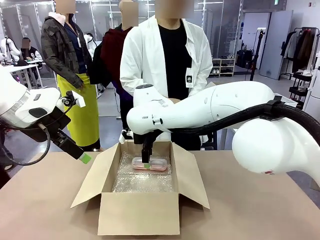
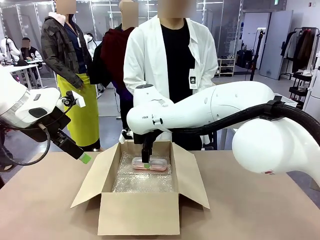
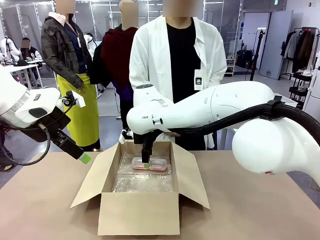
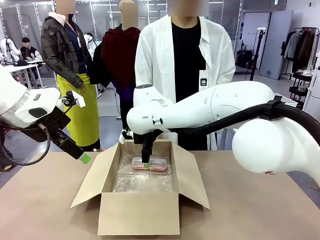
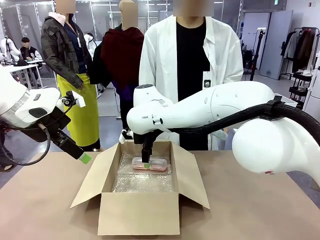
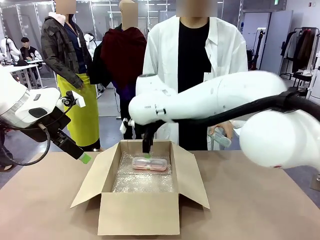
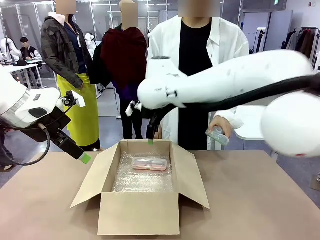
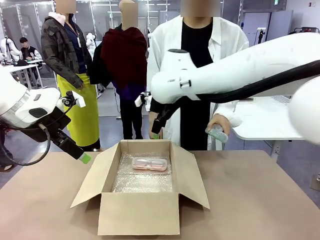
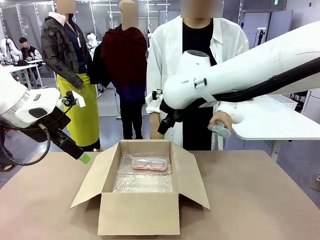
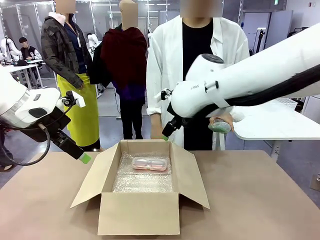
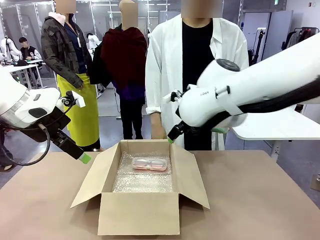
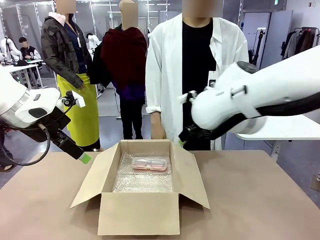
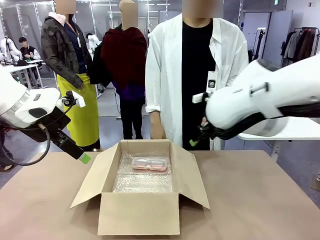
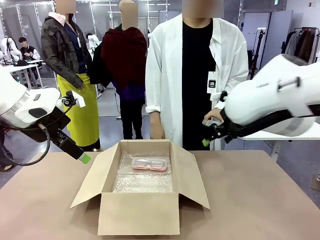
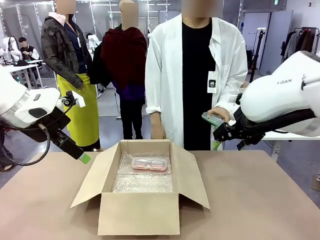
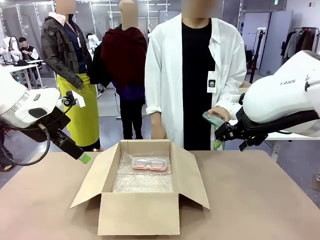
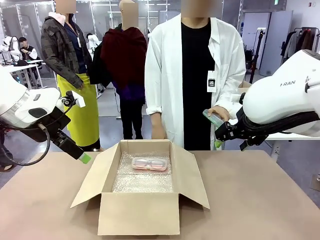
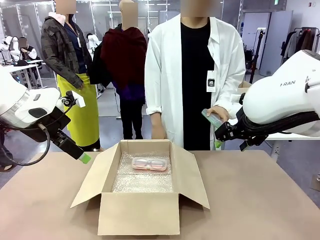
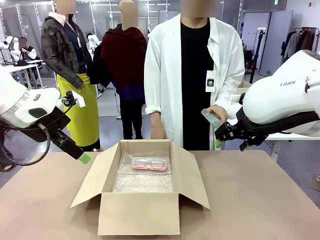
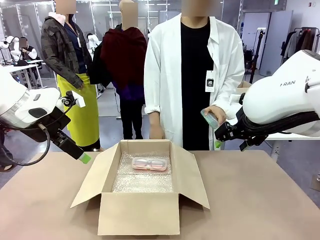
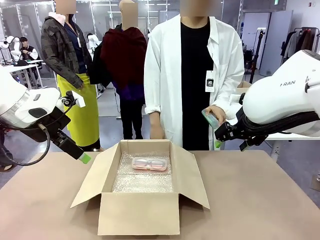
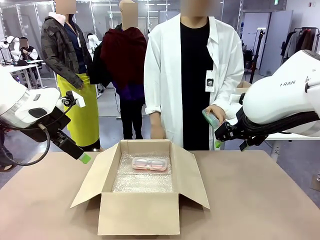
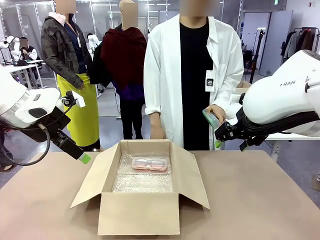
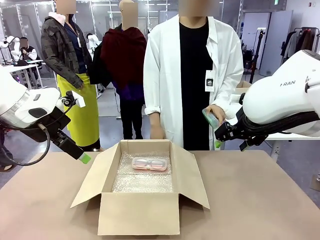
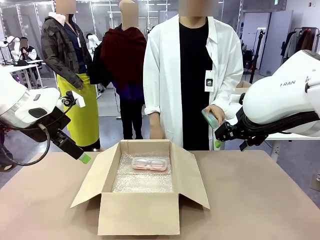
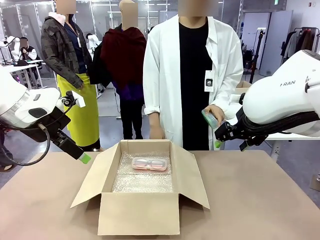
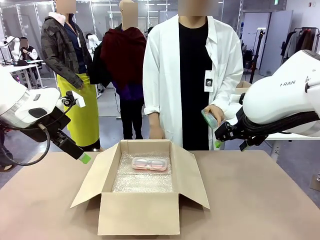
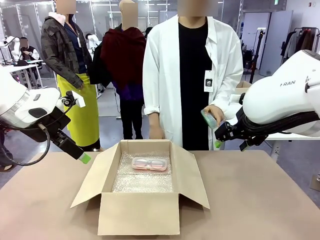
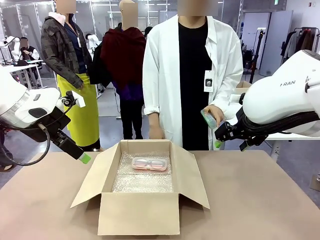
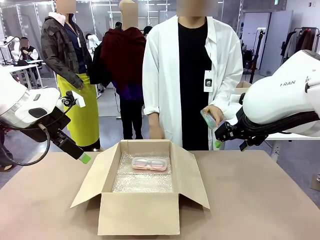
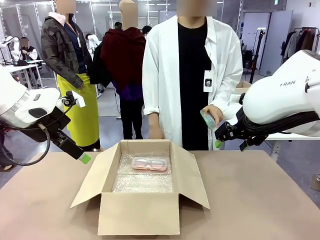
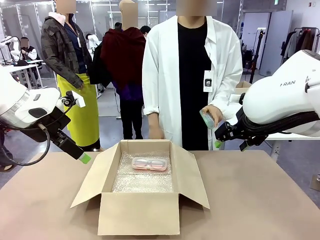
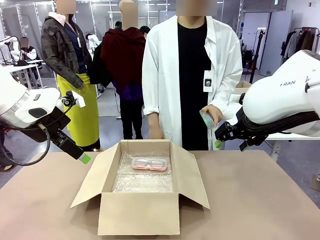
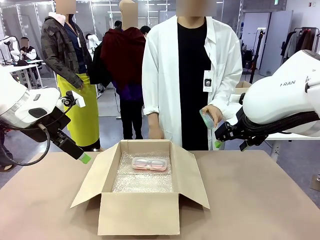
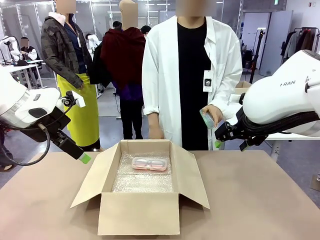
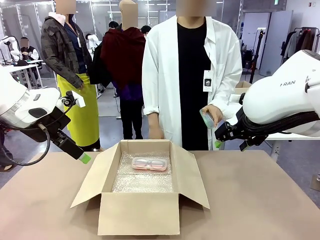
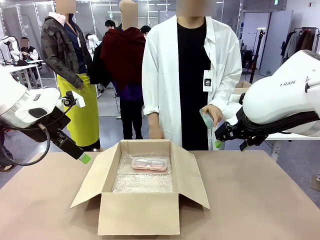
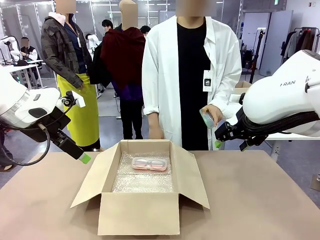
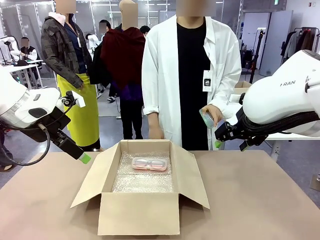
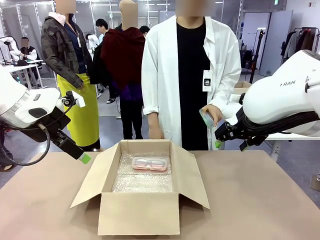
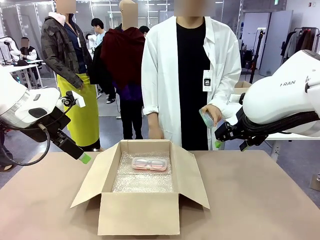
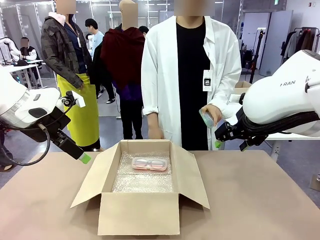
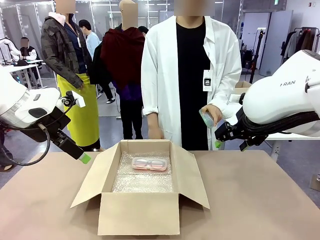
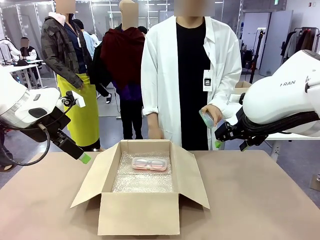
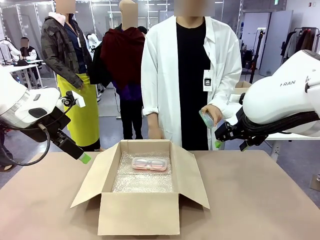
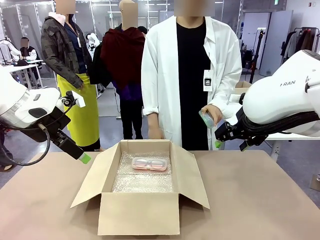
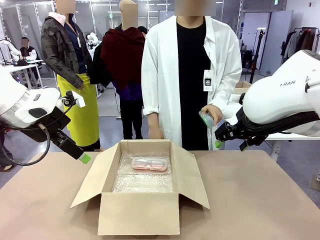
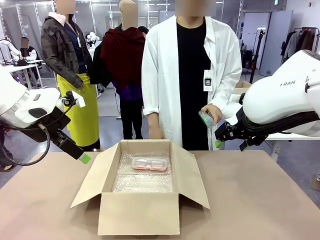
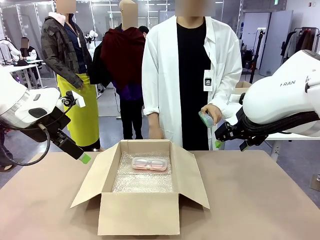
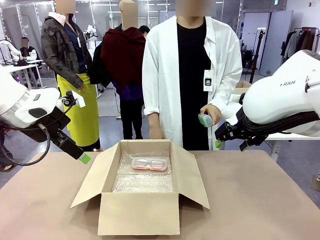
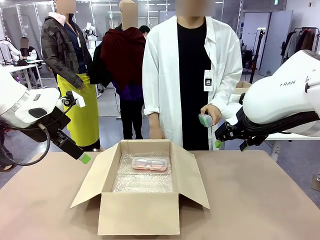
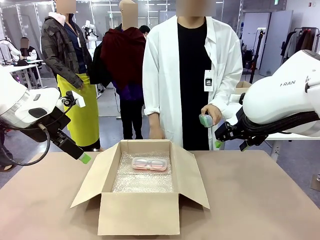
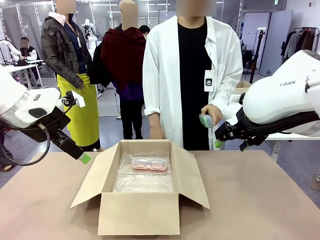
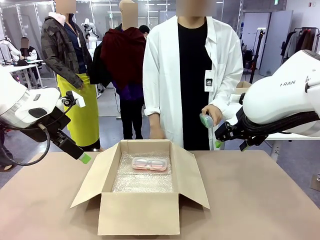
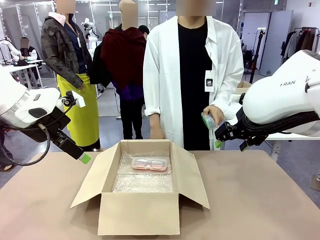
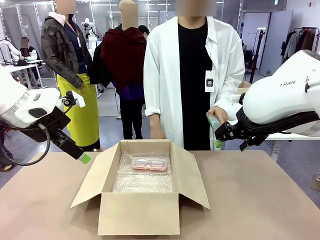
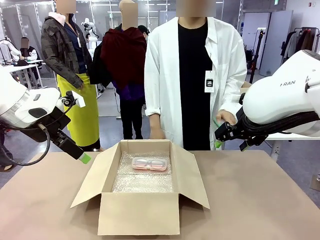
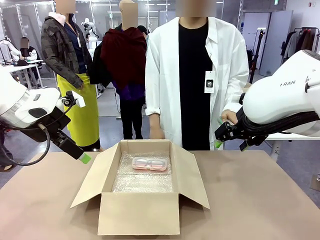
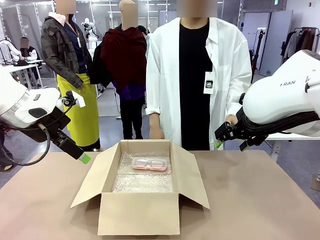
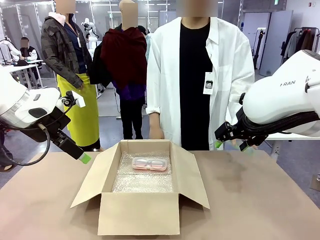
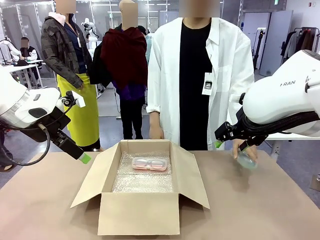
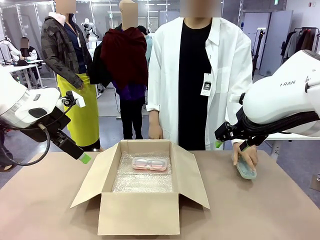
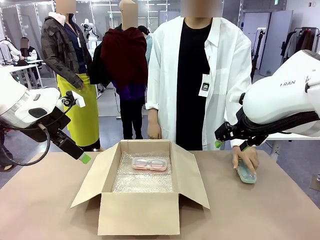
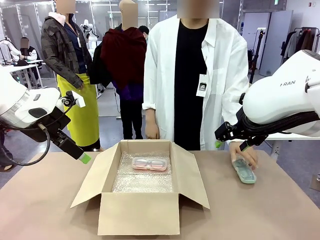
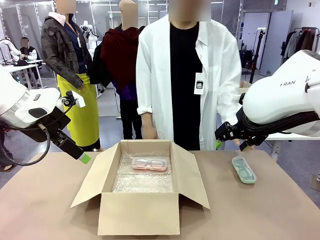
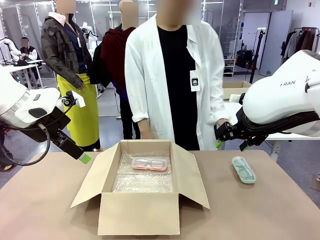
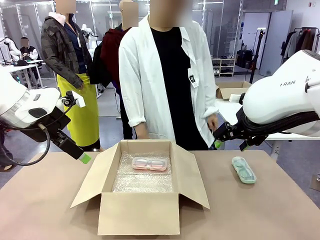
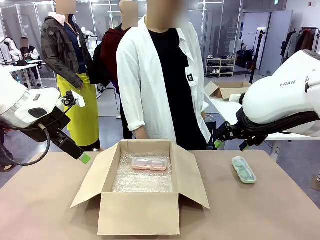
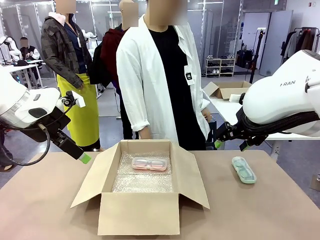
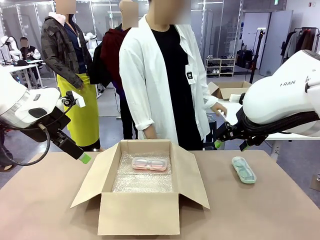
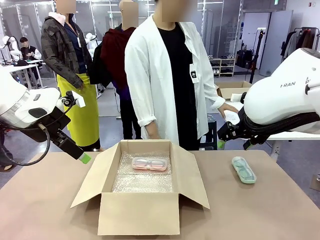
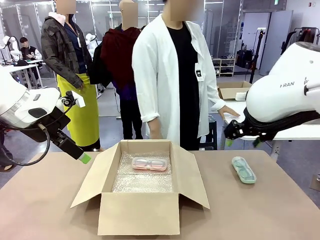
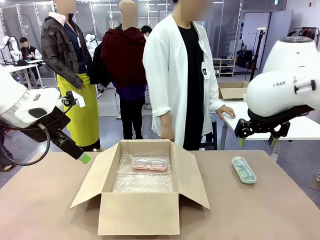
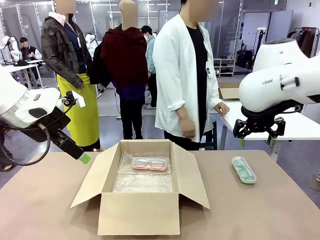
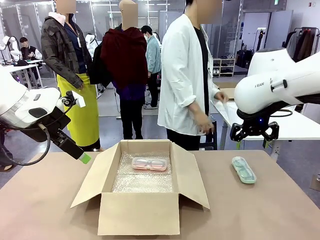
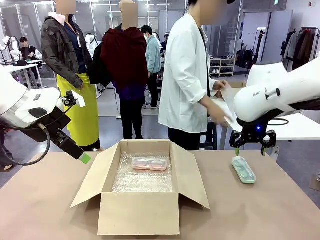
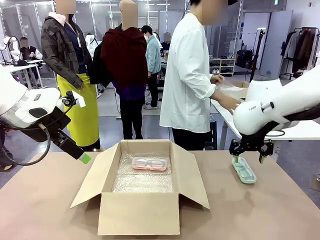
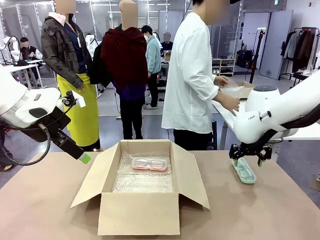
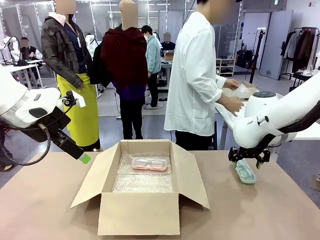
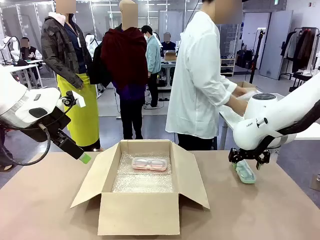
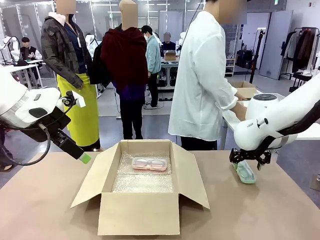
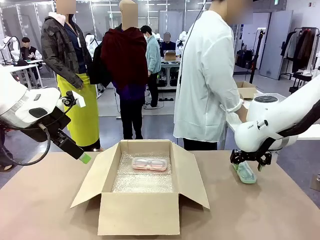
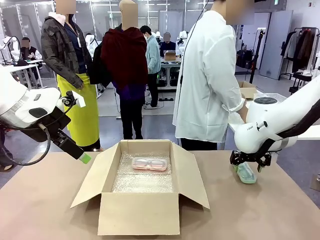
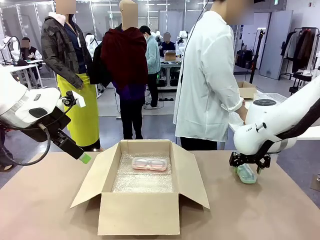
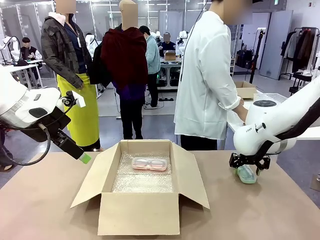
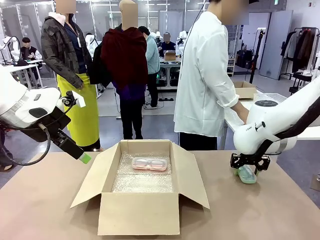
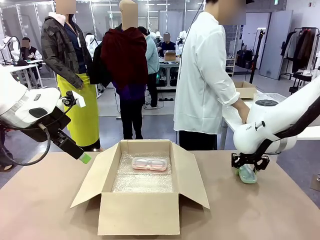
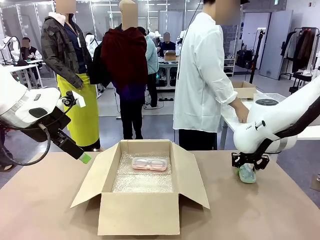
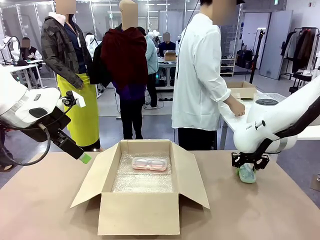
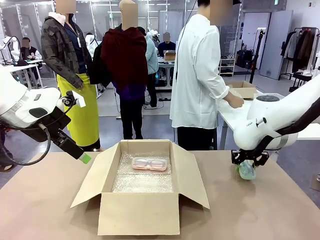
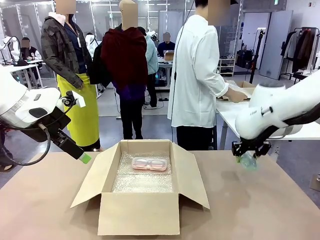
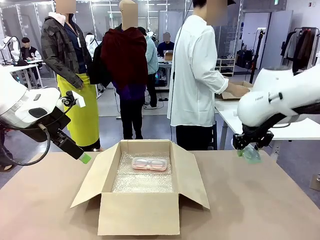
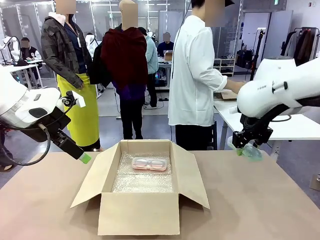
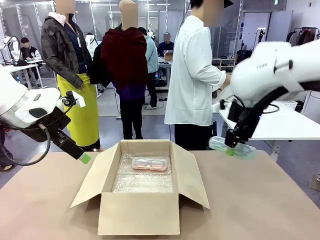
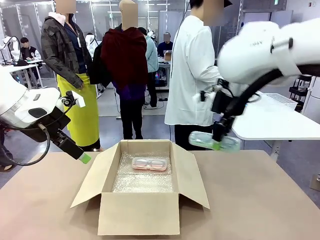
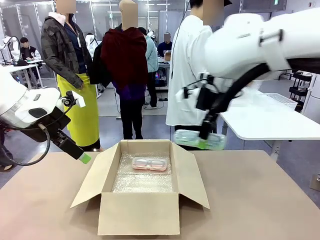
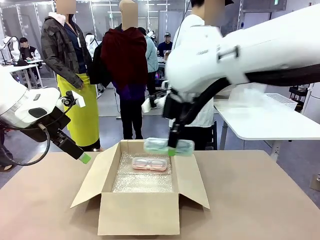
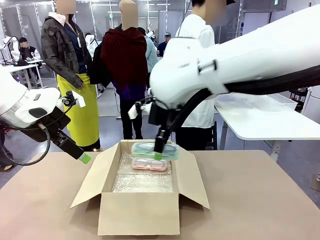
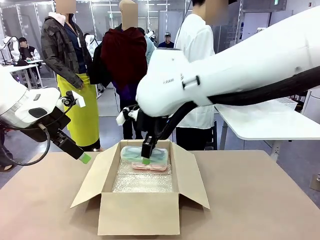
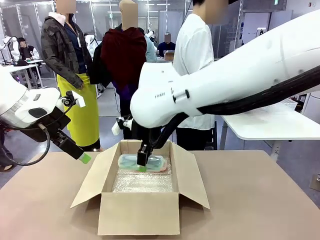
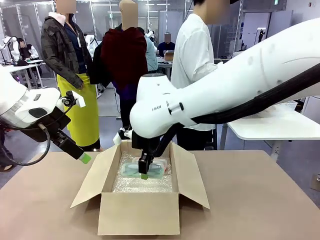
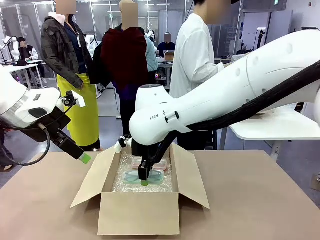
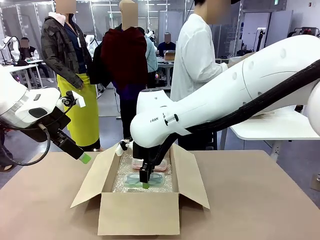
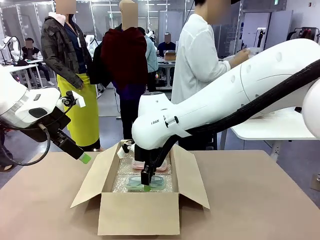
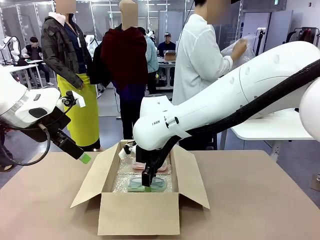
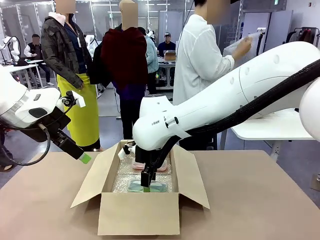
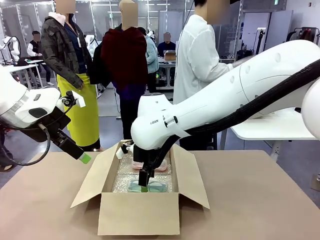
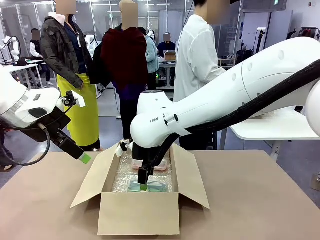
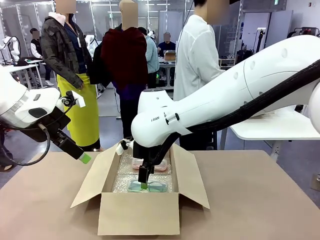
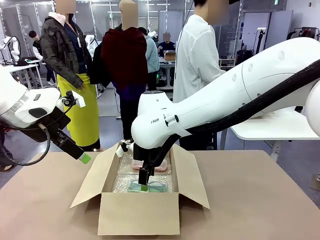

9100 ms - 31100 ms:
Task: Pack the glasses set securely to prepare it for shipping.
Robot: Put the Glasses case from the right side of the table into the Package Box.
Person: Position the Glasses case on the left side of the robot's table.
